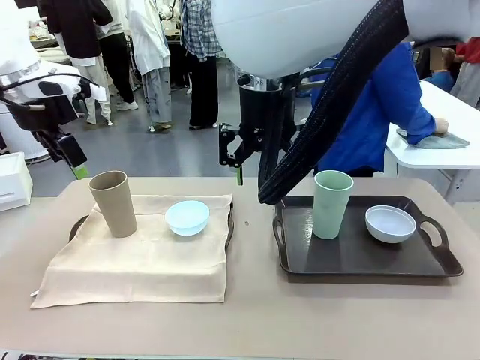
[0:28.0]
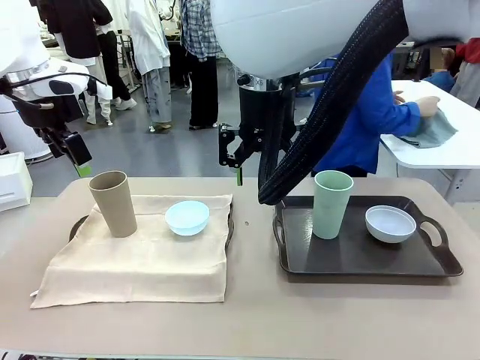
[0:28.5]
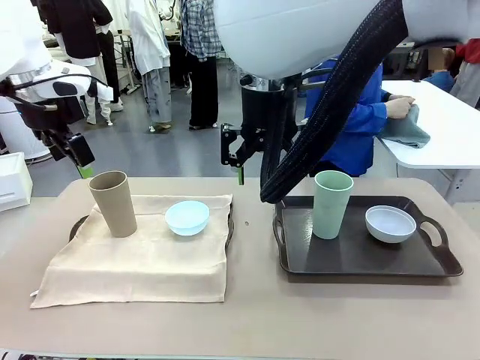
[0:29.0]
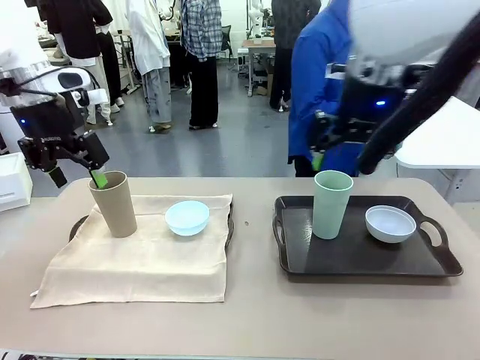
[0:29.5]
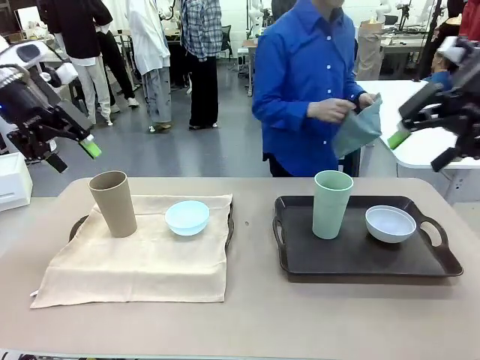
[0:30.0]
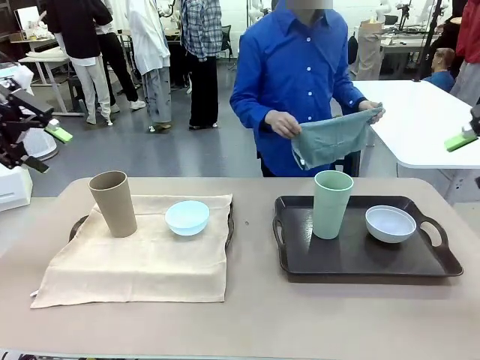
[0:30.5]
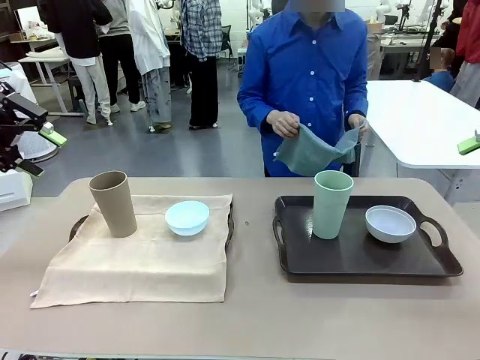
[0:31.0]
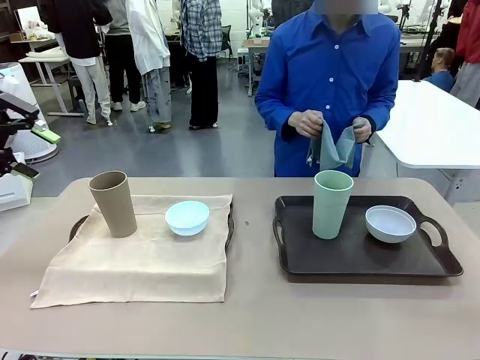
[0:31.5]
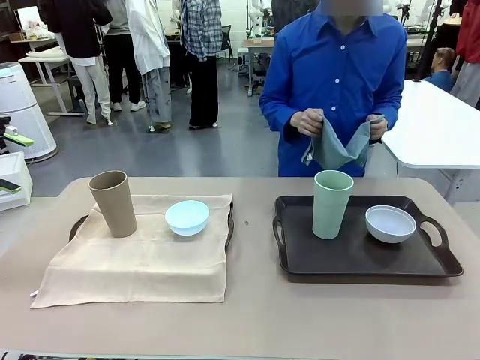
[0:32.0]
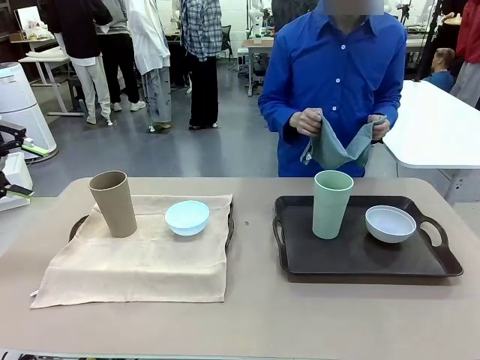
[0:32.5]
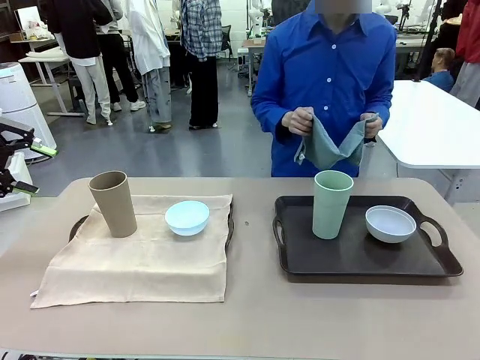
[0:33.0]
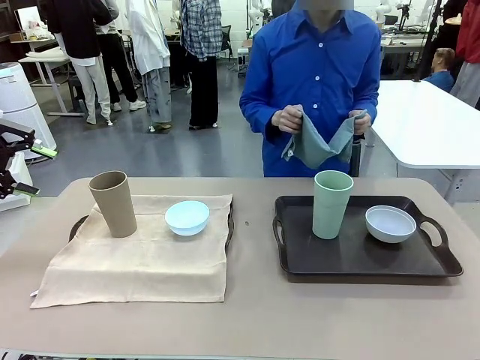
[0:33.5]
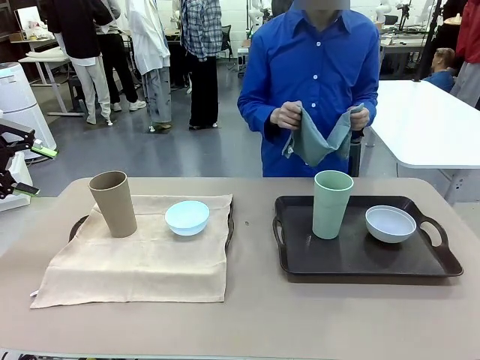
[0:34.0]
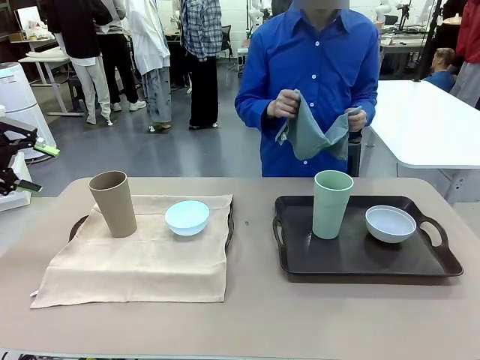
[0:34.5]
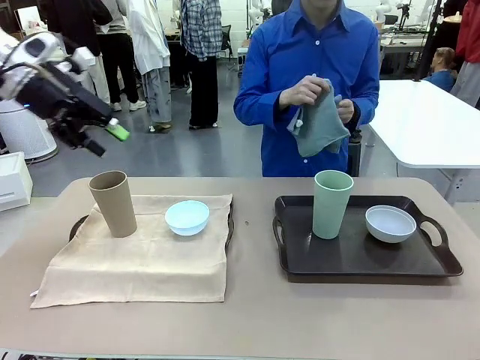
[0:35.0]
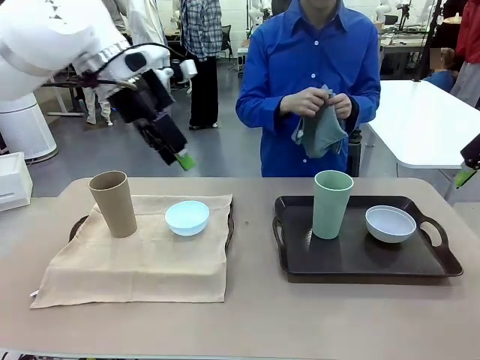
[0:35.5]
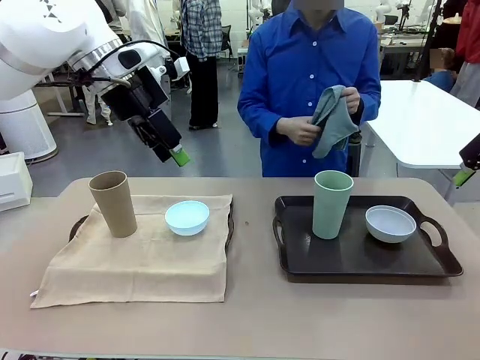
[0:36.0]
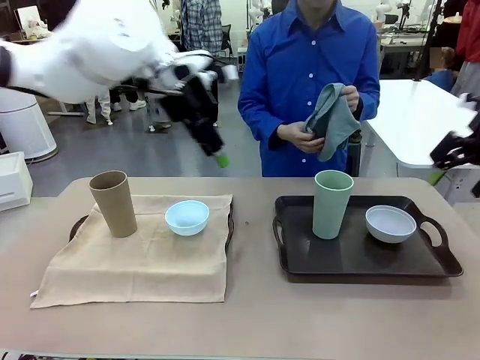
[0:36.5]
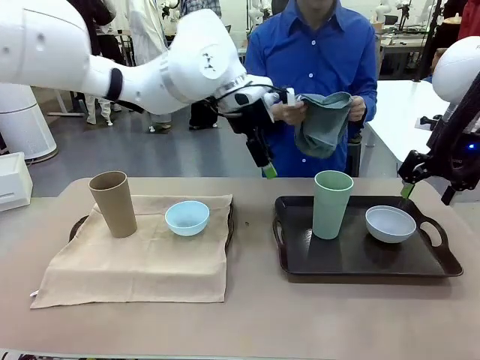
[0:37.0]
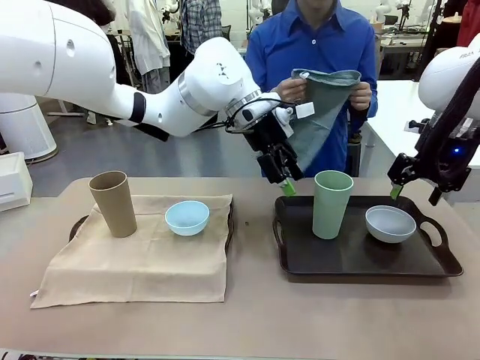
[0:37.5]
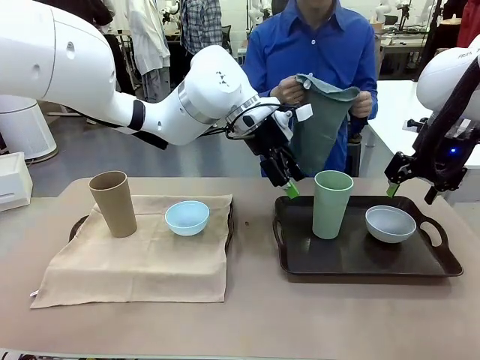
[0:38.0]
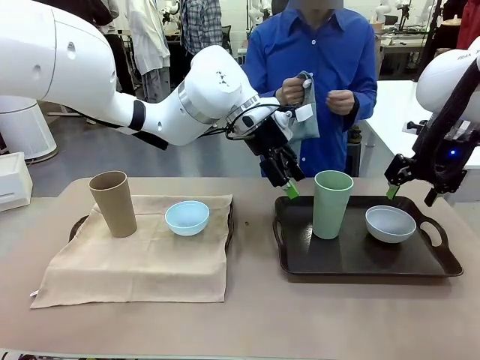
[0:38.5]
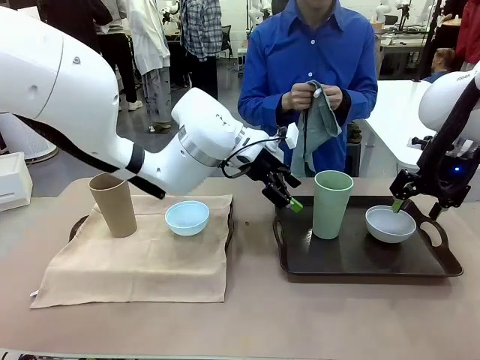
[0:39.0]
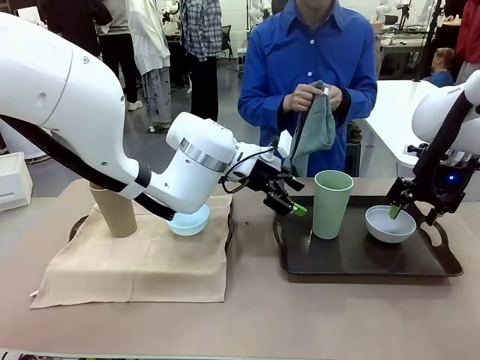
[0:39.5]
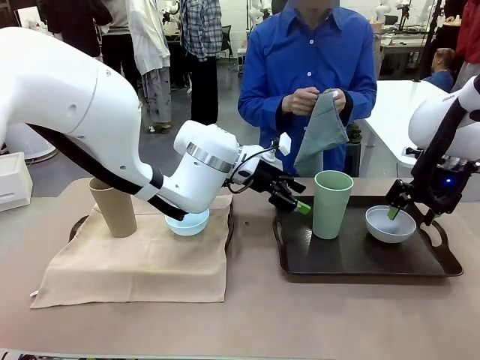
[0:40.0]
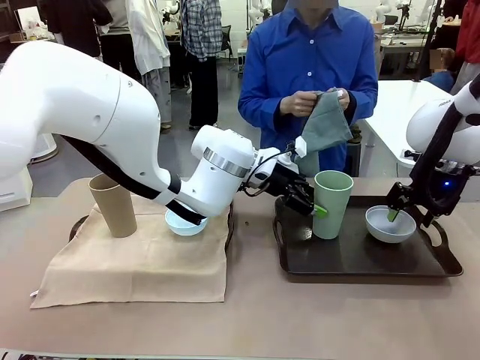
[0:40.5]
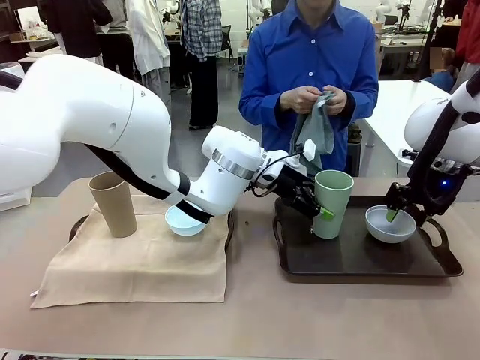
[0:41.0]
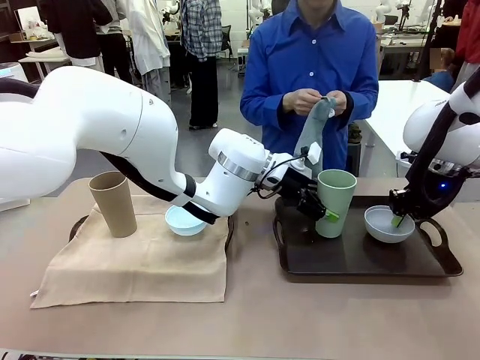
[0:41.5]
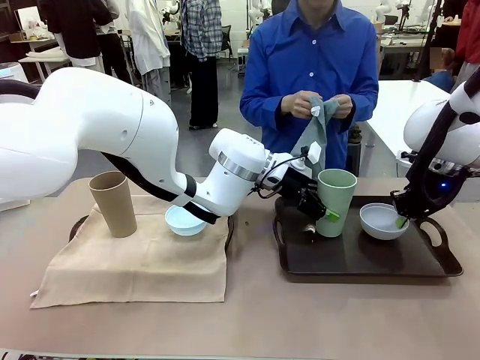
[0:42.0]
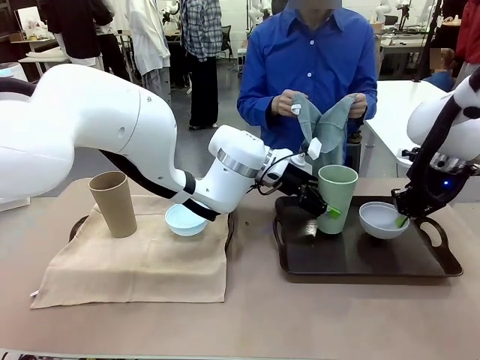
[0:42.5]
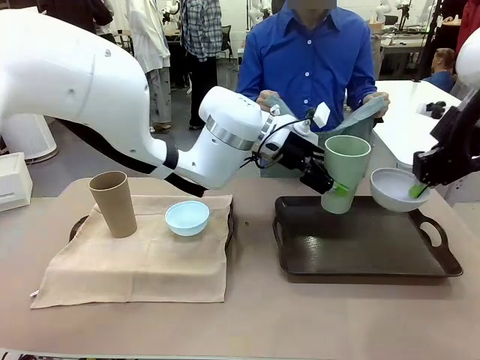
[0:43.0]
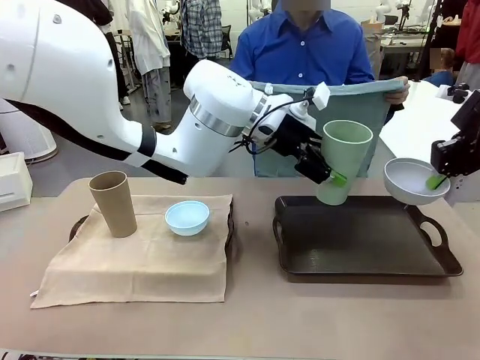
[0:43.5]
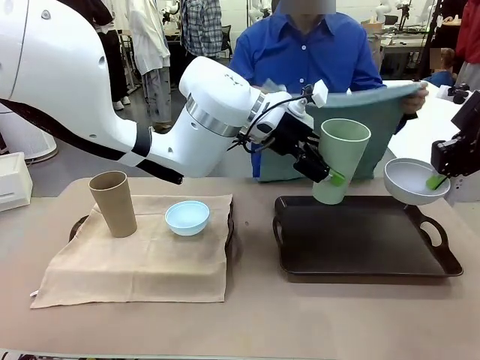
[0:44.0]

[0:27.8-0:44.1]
Robot: Pick up the Picnic Bowl and Reusable plastic cup from the Handle tray in front of the human's position and hold them in the air.

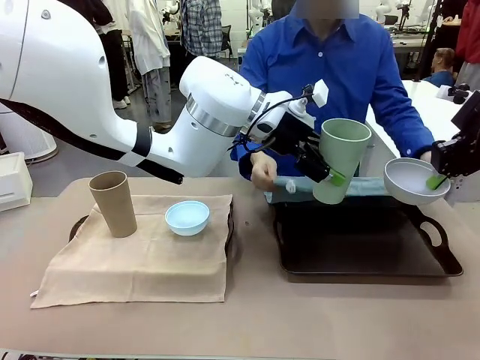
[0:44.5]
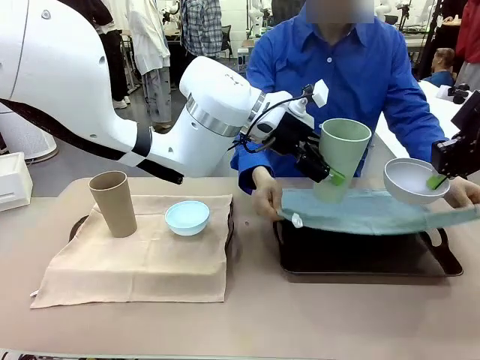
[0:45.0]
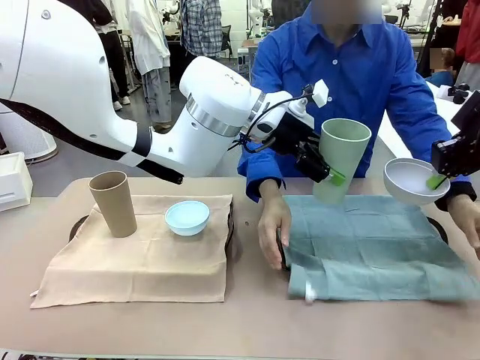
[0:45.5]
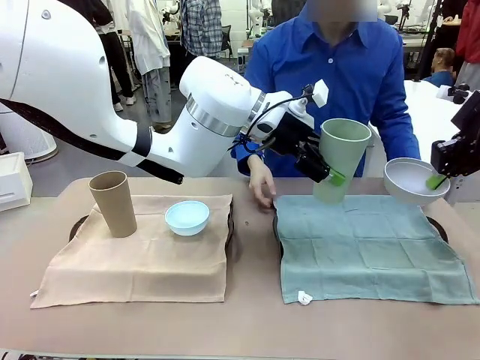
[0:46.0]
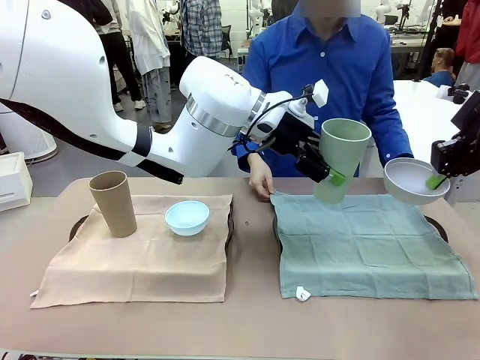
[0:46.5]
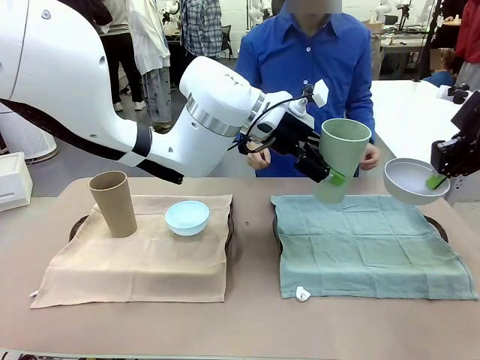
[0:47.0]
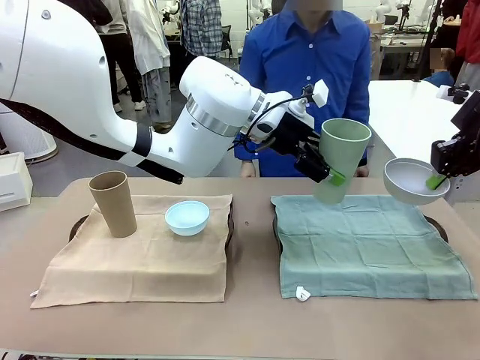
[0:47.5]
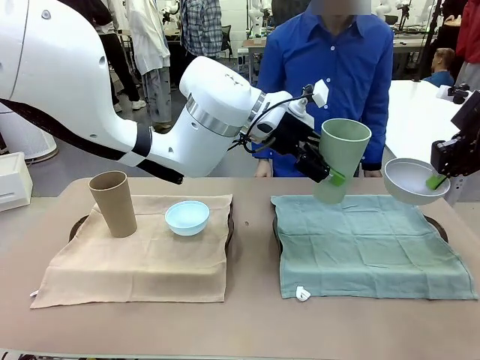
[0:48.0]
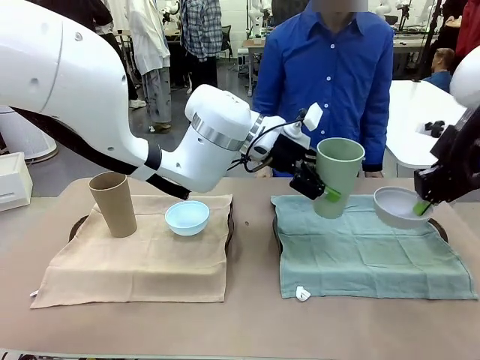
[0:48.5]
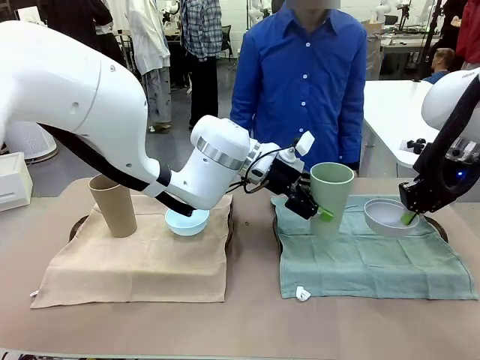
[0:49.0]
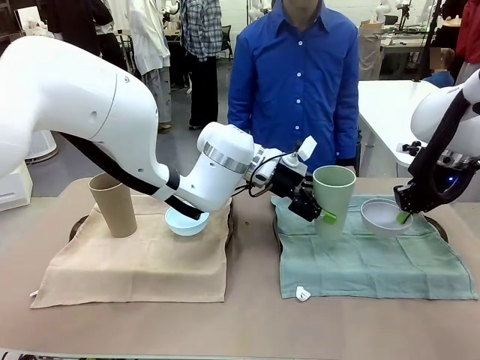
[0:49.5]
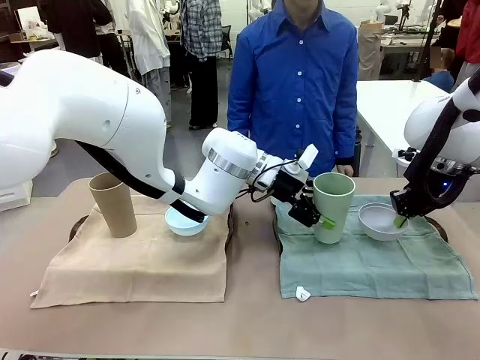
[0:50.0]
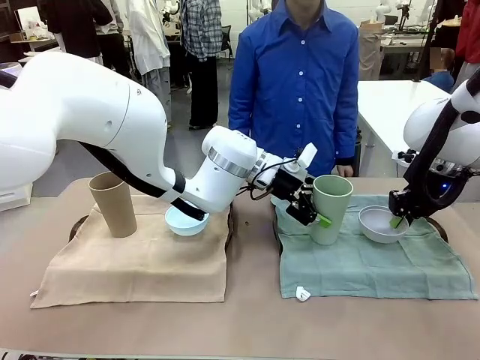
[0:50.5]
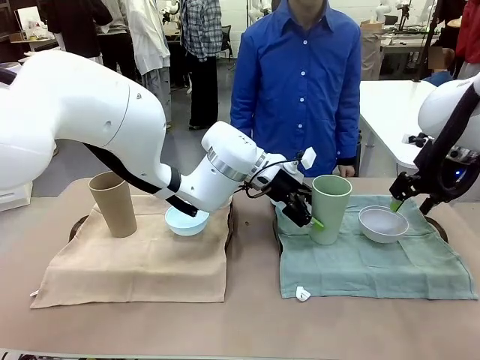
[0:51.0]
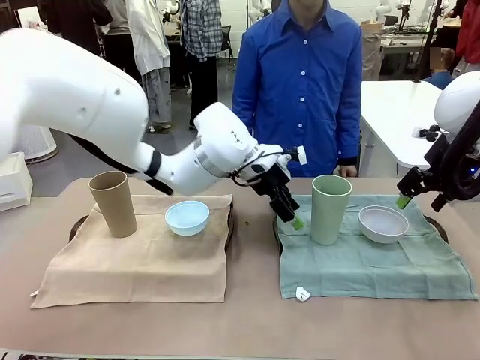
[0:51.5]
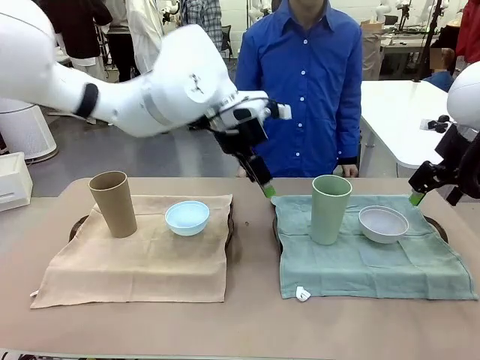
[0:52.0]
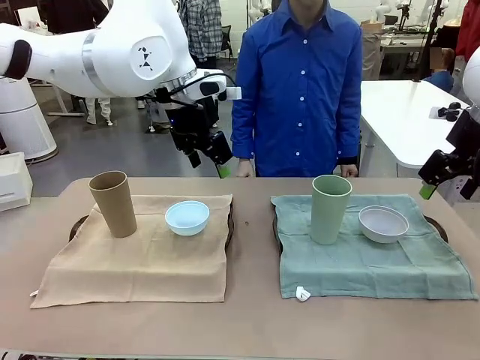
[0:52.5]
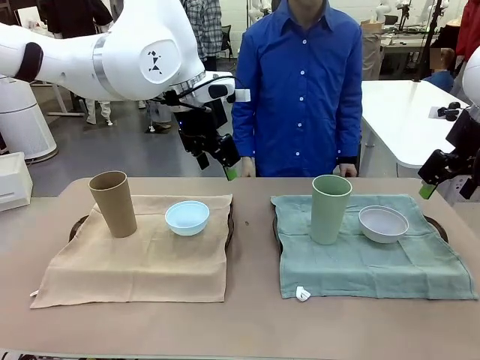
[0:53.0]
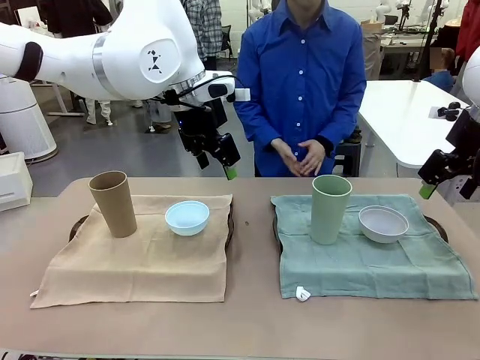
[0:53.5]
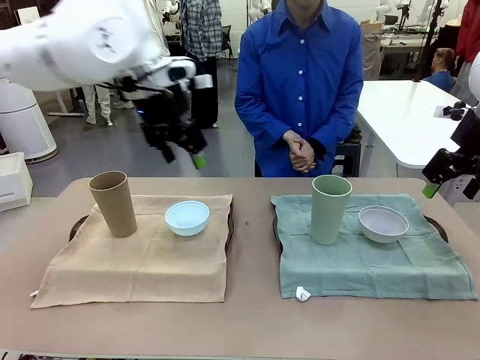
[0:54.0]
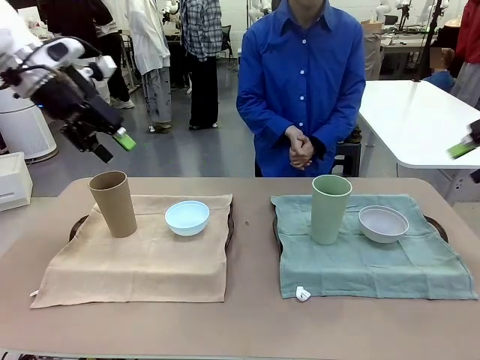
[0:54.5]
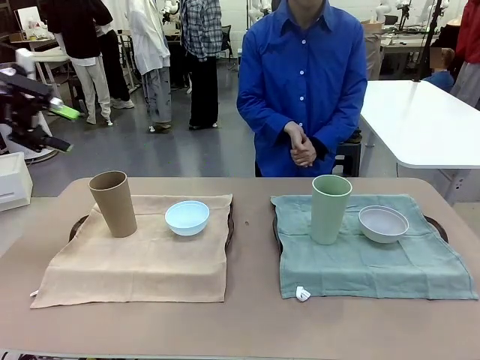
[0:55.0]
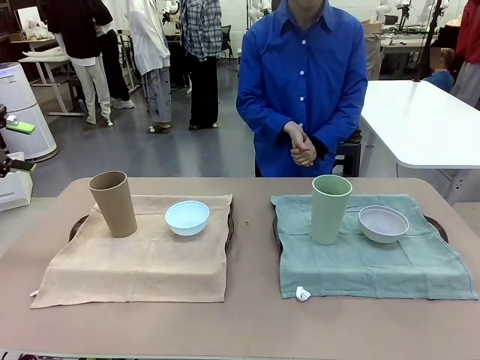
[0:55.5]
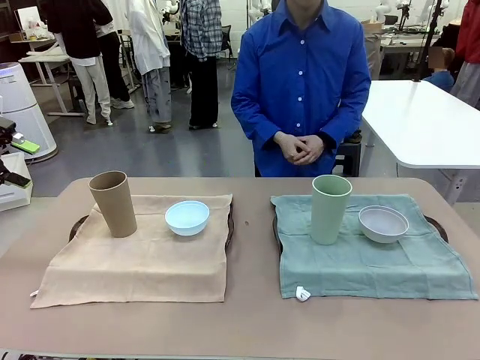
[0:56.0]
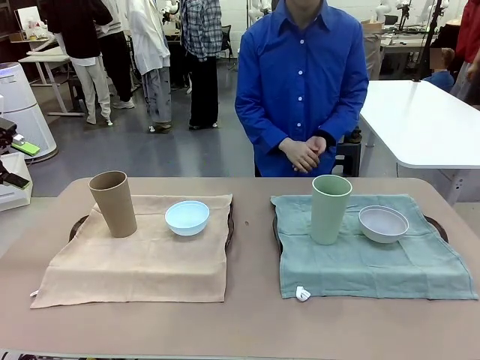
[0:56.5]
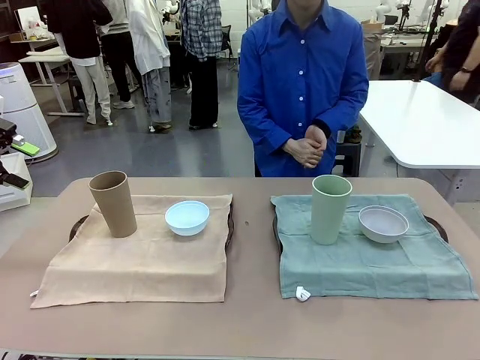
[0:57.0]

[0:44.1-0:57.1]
Robot: Place the Picnic Bowl and Reusable plastic cup back onto the Handle tray in front of the human's position.
Person: When the robot lifts the bowl and the cup, the human unfolds the napkin and lays the napkin flat on the tray.
